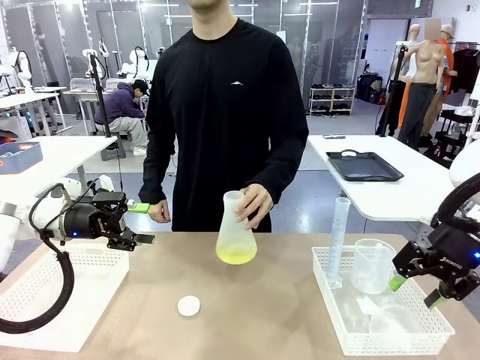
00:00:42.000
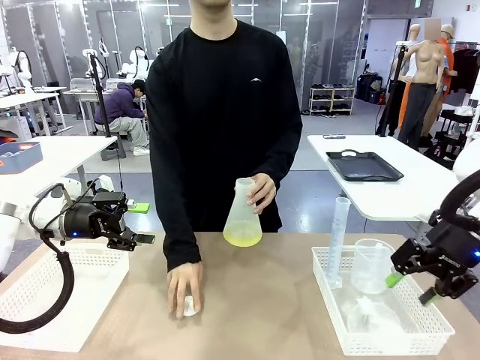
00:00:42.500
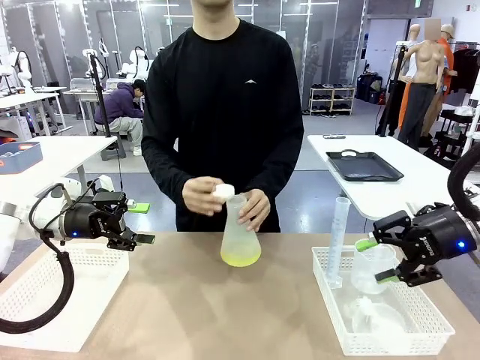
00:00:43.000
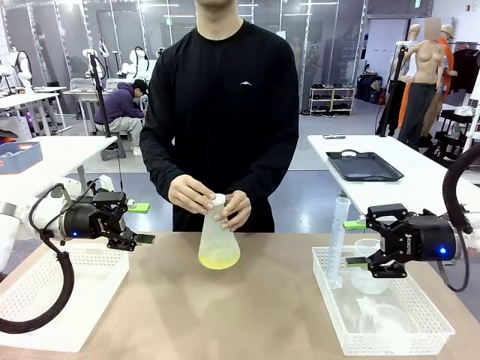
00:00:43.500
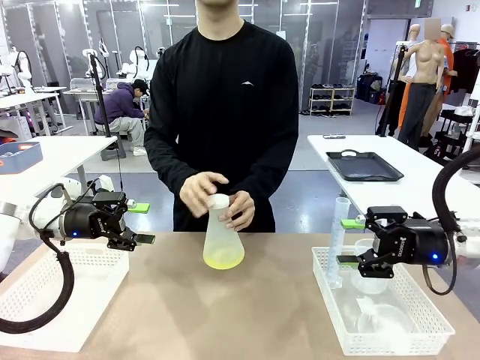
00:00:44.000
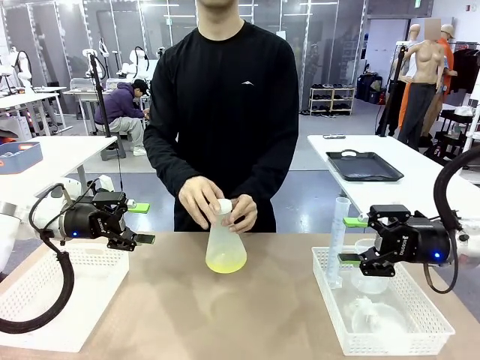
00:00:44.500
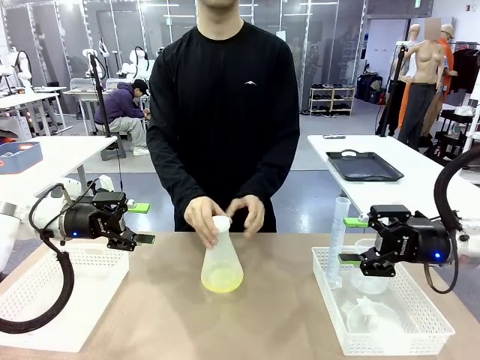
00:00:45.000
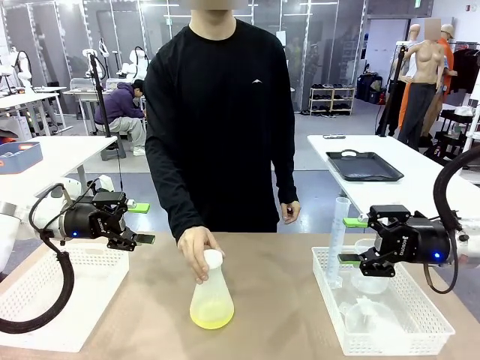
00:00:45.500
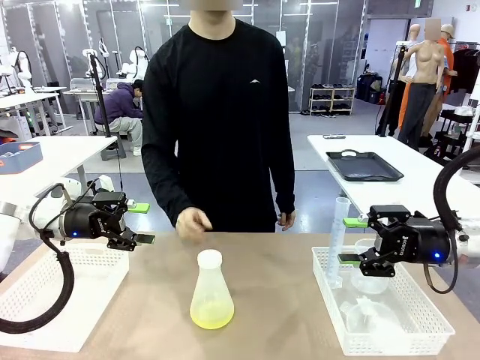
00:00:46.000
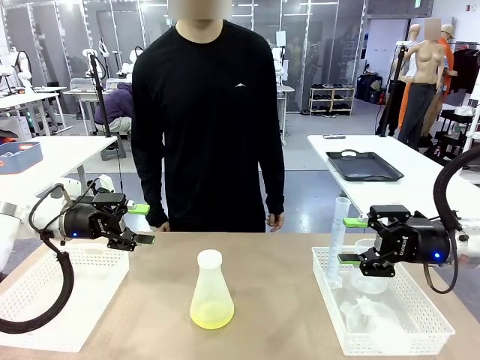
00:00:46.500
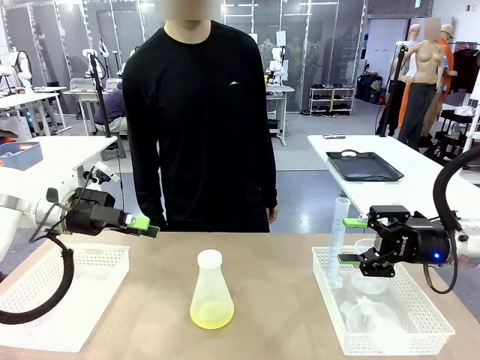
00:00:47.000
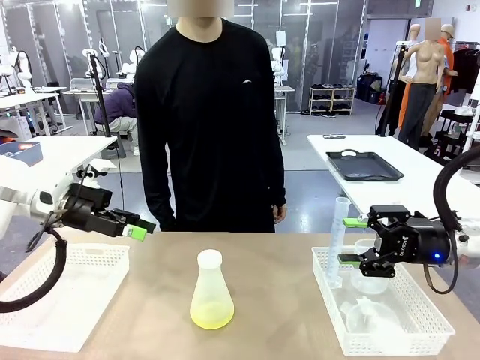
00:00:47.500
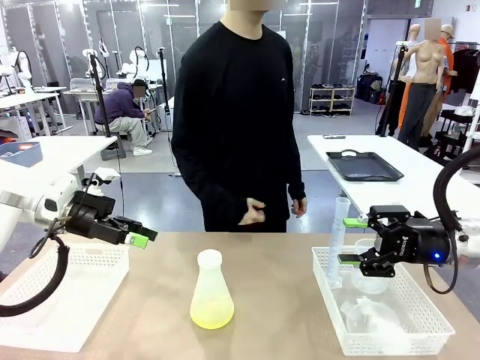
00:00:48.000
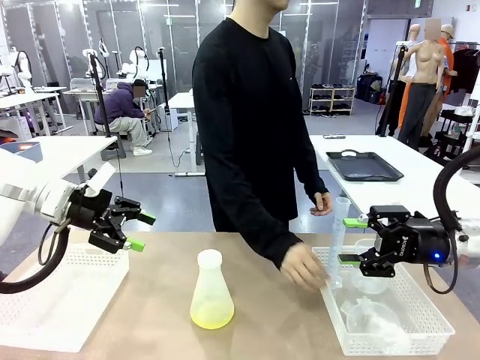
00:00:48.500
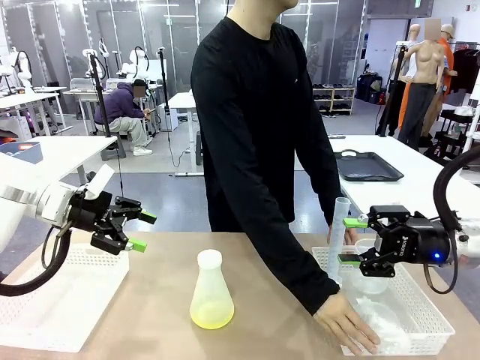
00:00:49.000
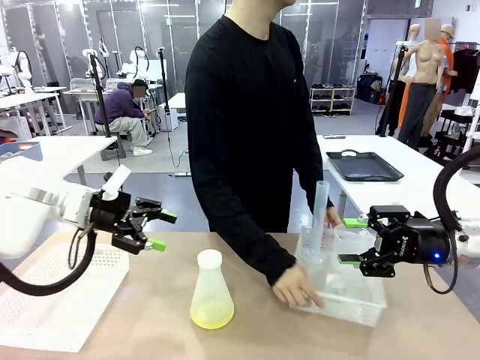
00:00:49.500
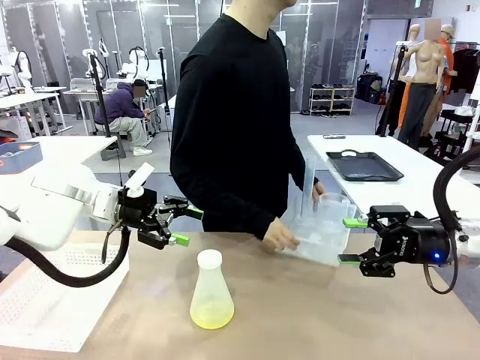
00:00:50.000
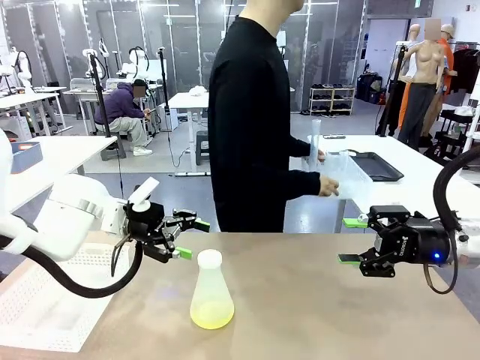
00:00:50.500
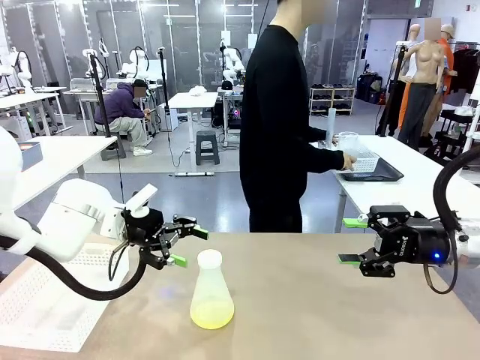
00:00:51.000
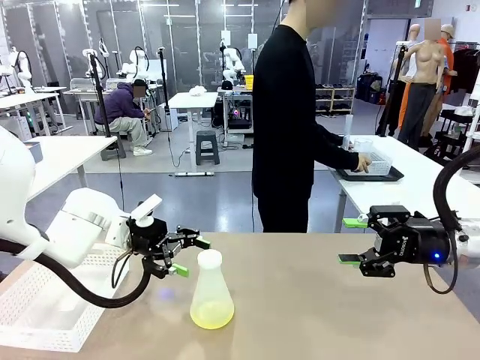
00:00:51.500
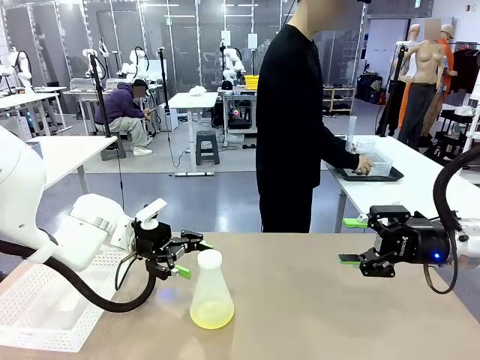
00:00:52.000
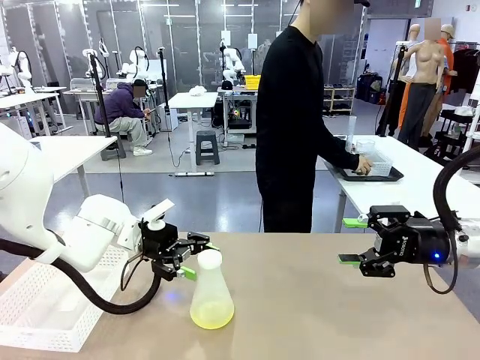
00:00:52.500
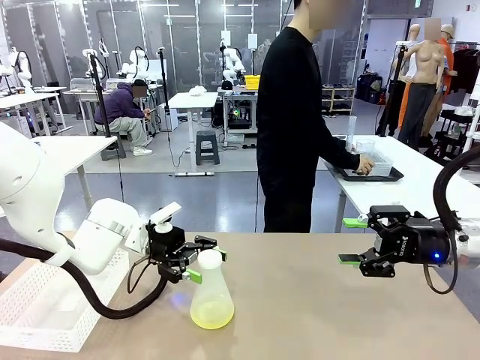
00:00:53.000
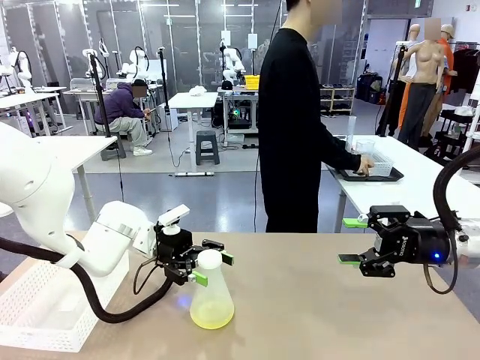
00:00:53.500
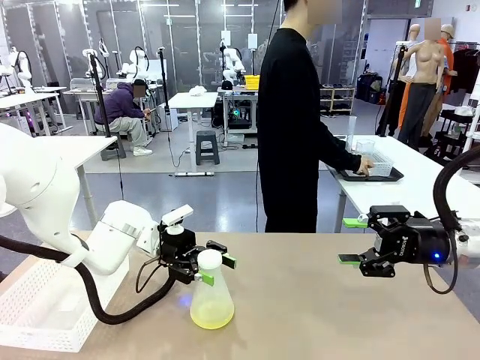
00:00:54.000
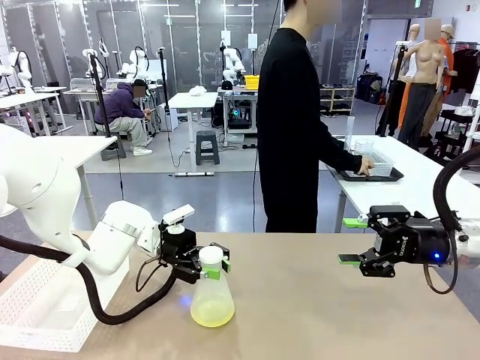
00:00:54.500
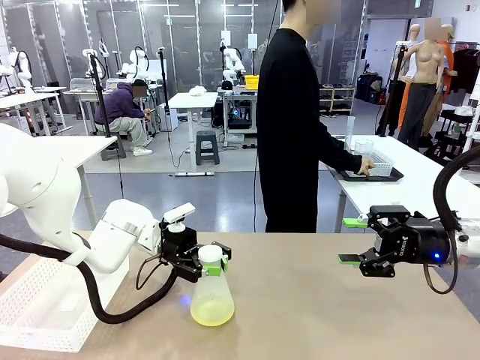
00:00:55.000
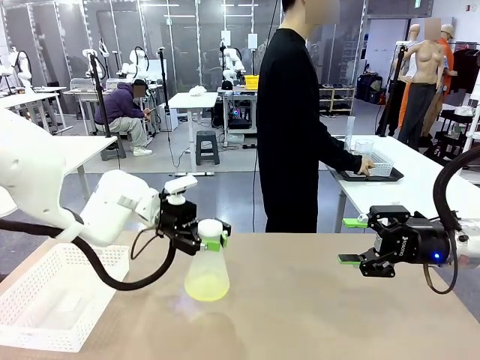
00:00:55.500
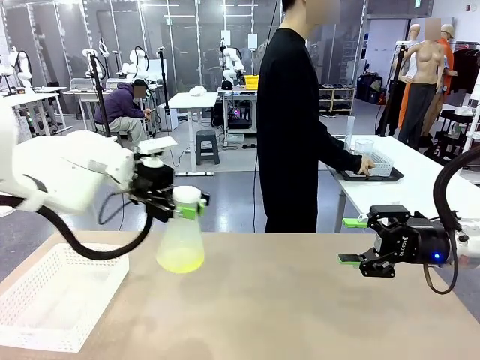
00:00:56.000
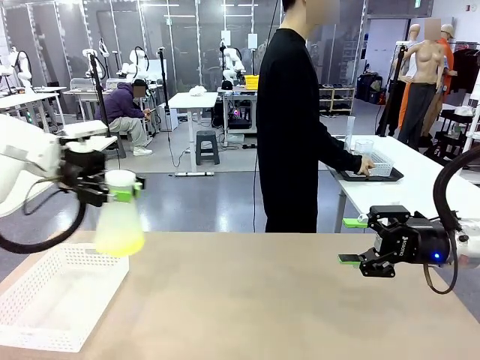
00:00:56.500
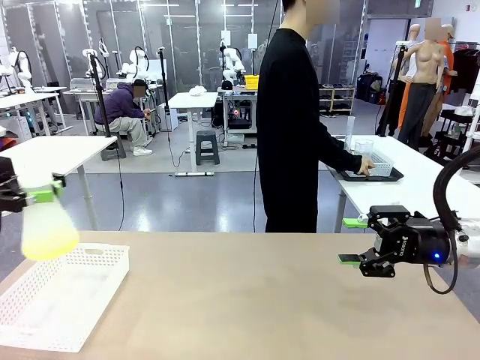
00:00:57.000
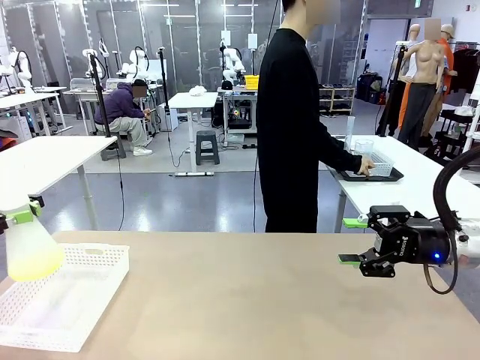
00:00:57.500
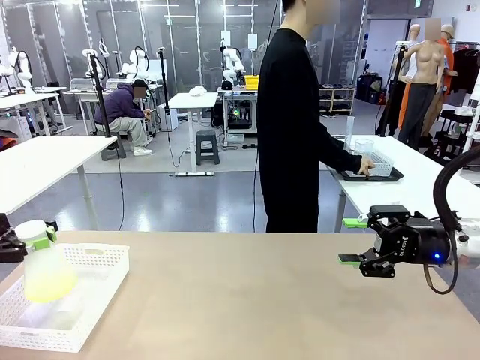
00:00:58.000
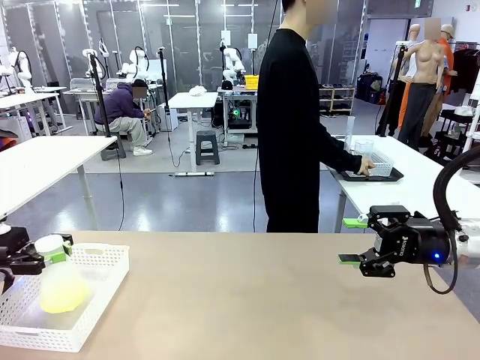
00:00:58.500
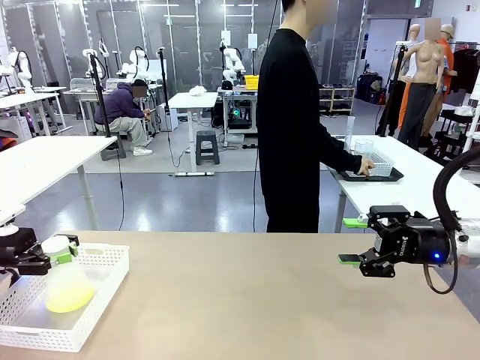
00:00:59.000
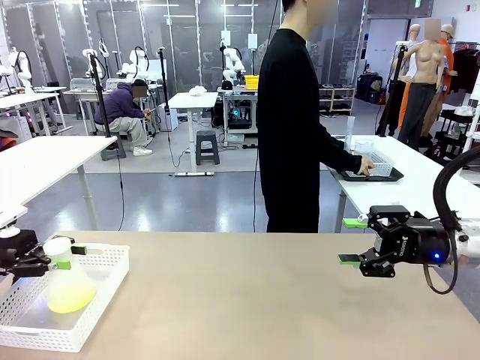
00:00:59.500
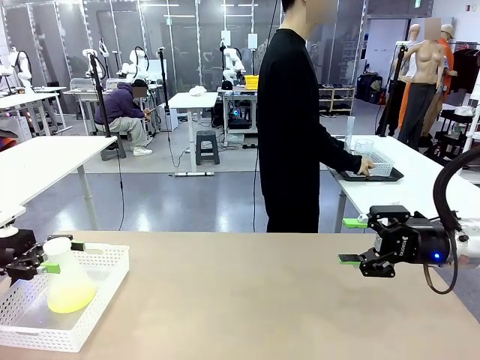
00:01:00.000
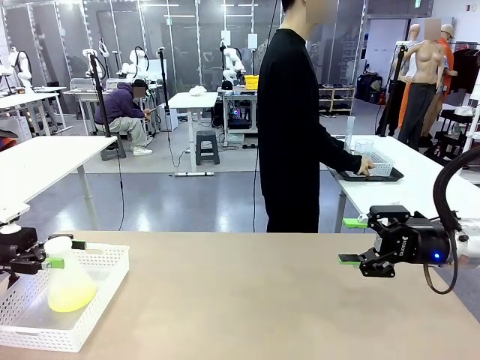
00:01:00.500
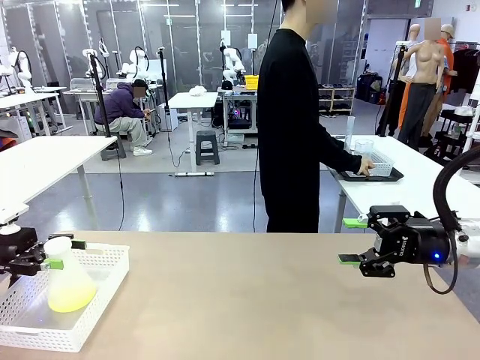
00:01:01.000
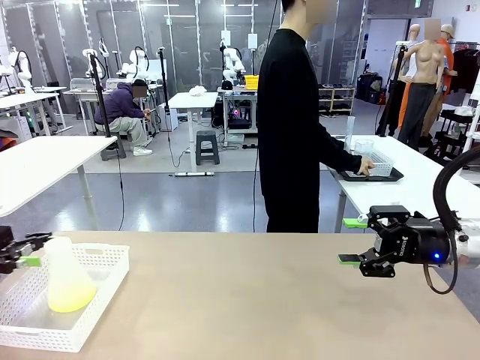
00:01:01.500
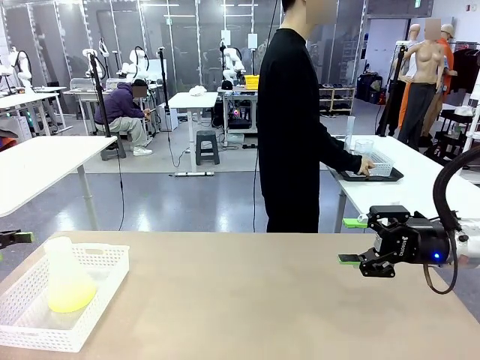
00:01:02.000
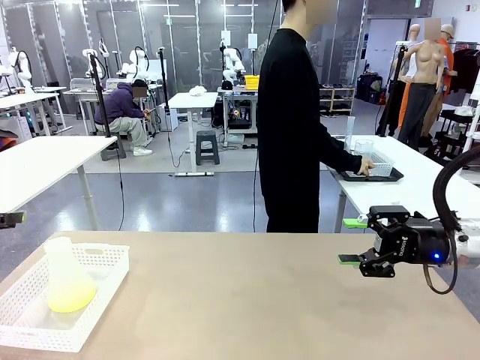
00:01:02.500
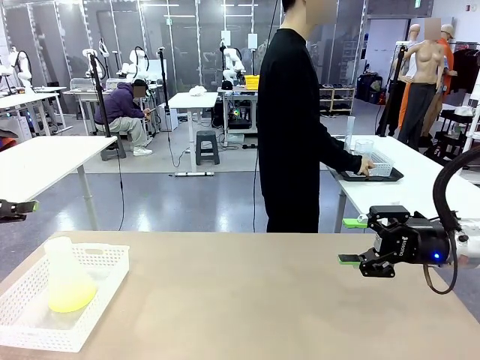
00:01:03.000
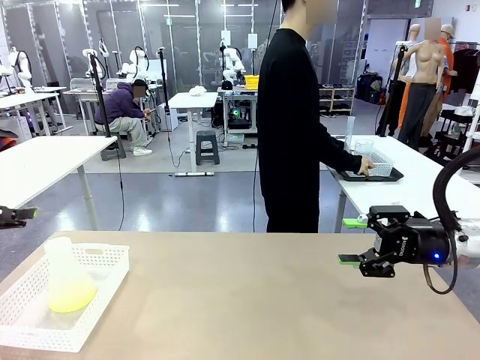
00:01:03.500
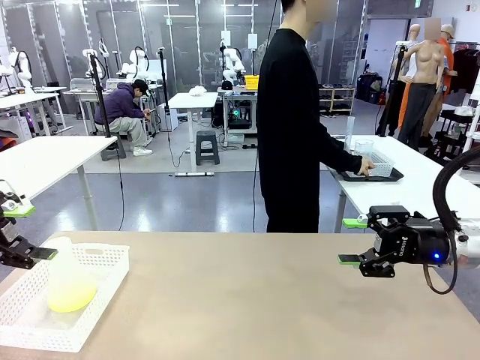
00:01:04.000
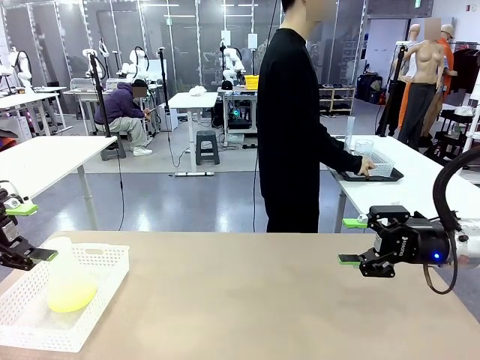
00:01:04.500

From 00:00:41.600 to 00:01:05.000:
Task: Prepare the solutions needed for the experiment.
Robot: When the human places the Big flask in the center of the table, pick up the Big flask and place it in the left Organizing basket.
Person: Pick up the organizing basket on the left side of the robot table and place it on the left side of the human table.
